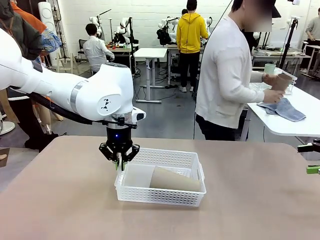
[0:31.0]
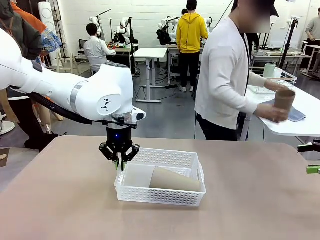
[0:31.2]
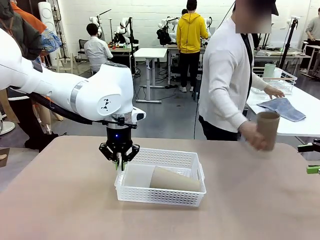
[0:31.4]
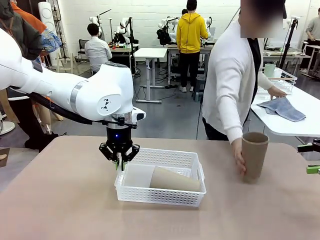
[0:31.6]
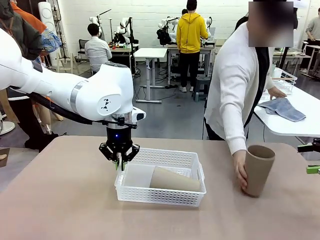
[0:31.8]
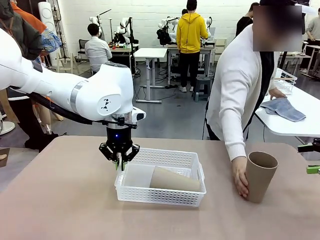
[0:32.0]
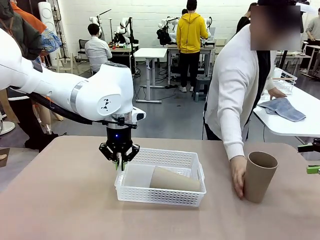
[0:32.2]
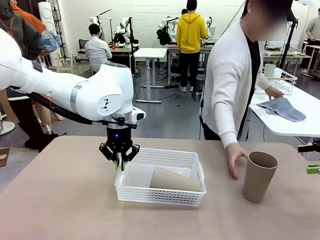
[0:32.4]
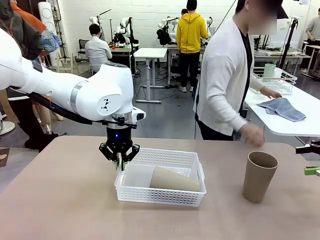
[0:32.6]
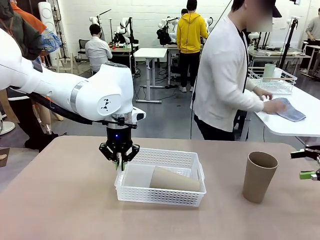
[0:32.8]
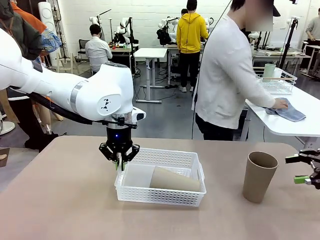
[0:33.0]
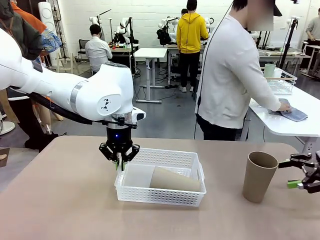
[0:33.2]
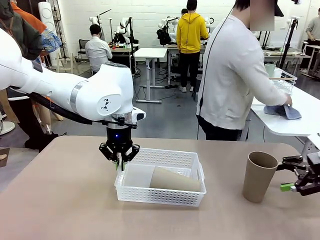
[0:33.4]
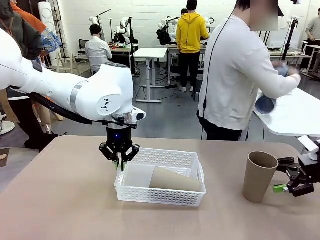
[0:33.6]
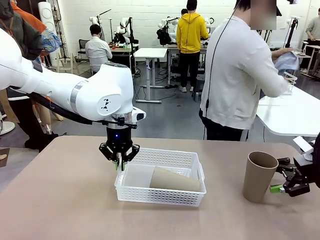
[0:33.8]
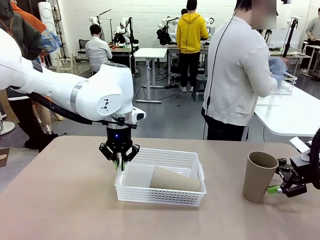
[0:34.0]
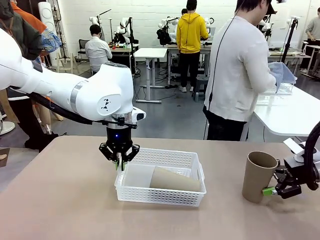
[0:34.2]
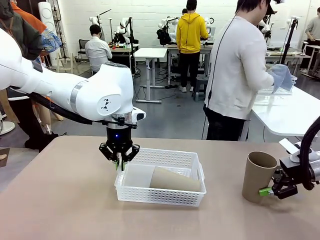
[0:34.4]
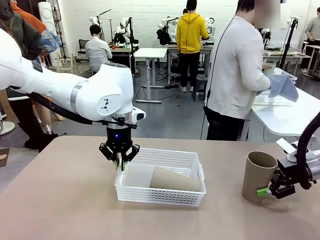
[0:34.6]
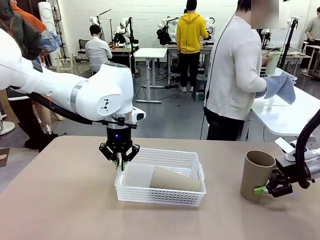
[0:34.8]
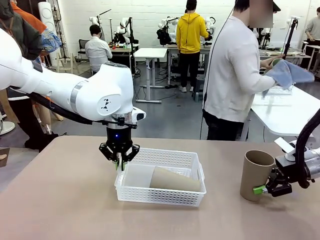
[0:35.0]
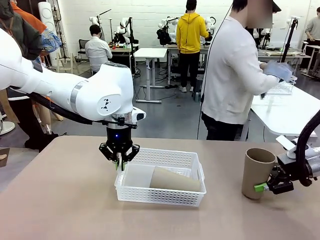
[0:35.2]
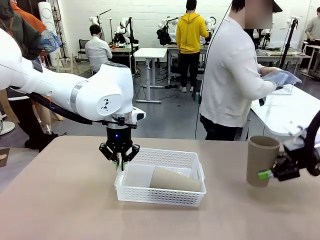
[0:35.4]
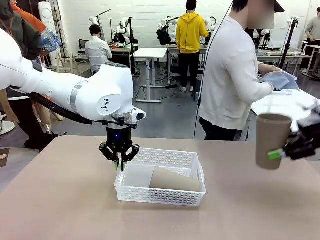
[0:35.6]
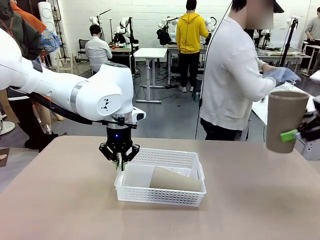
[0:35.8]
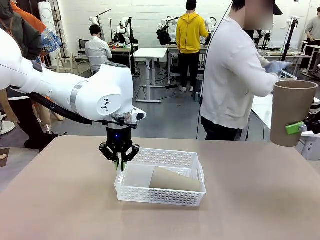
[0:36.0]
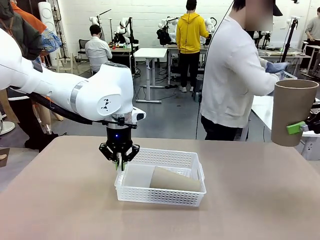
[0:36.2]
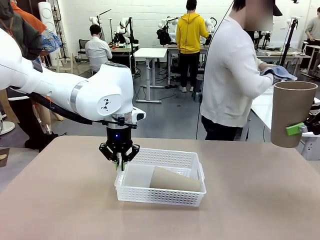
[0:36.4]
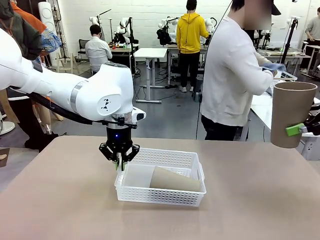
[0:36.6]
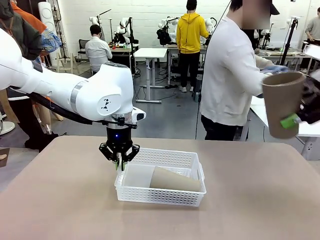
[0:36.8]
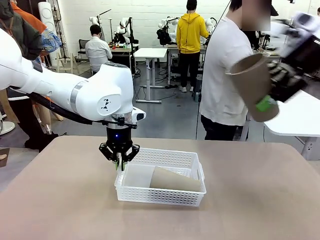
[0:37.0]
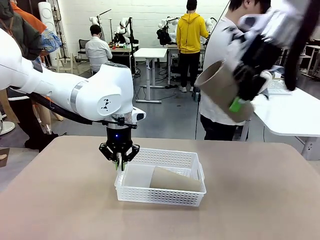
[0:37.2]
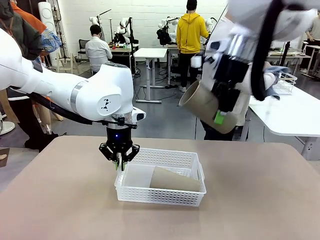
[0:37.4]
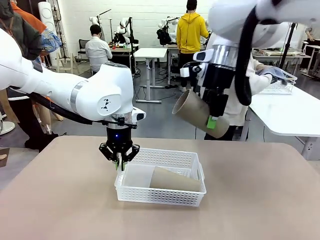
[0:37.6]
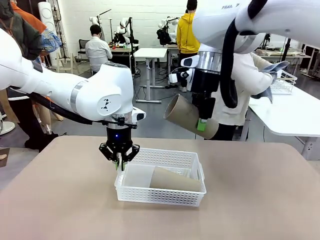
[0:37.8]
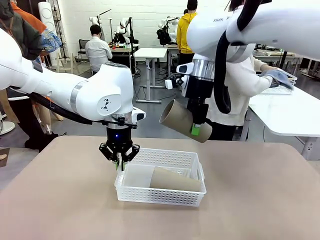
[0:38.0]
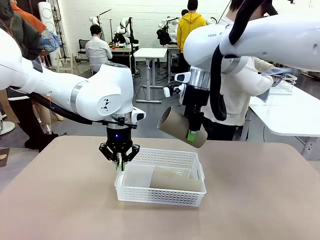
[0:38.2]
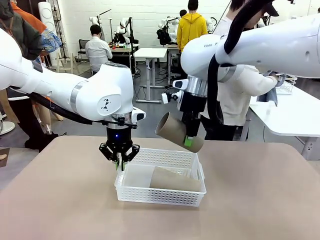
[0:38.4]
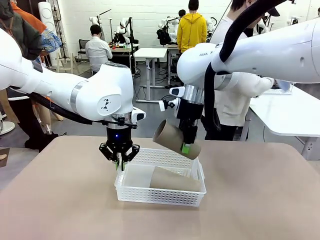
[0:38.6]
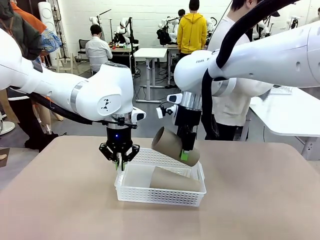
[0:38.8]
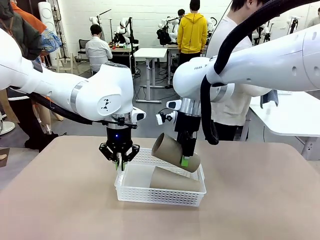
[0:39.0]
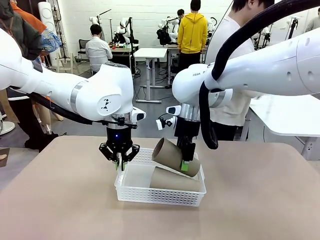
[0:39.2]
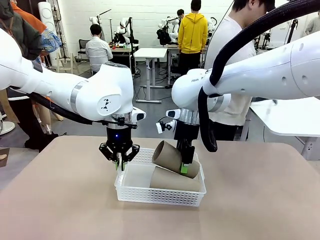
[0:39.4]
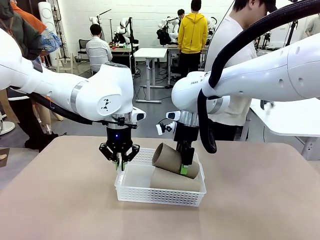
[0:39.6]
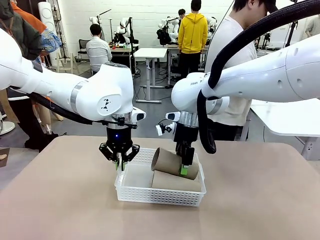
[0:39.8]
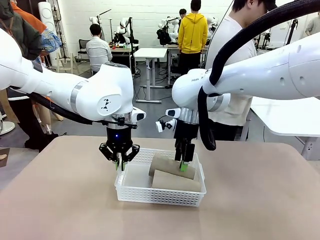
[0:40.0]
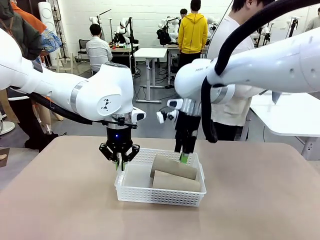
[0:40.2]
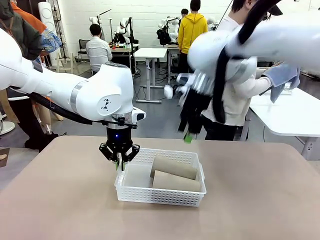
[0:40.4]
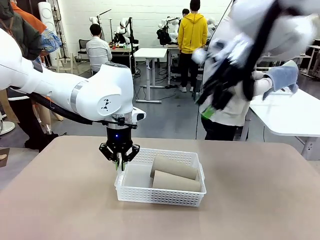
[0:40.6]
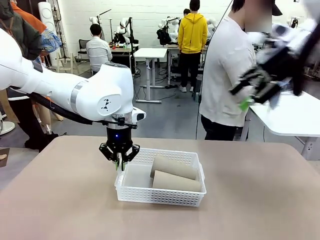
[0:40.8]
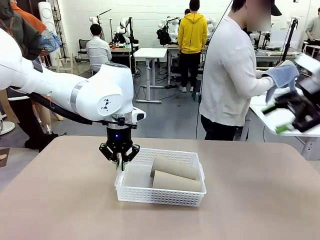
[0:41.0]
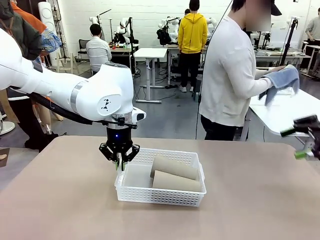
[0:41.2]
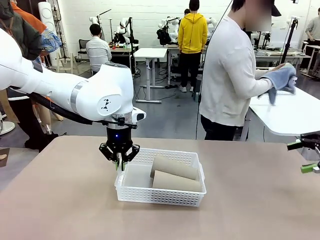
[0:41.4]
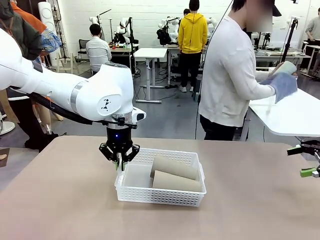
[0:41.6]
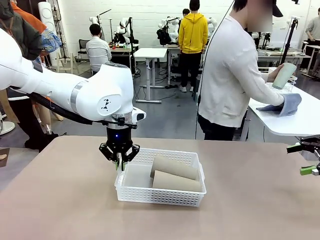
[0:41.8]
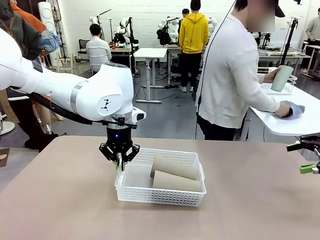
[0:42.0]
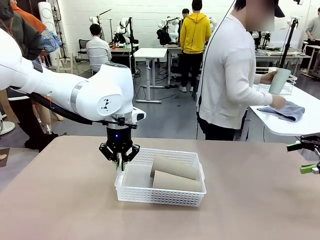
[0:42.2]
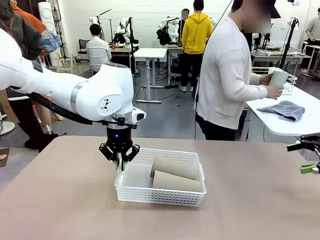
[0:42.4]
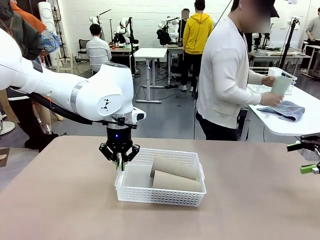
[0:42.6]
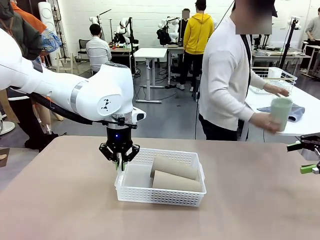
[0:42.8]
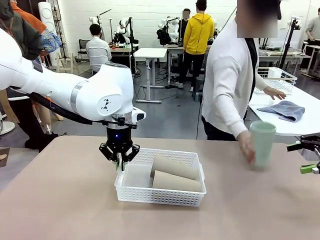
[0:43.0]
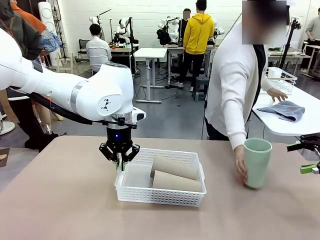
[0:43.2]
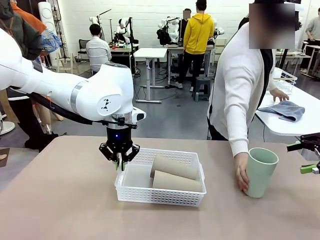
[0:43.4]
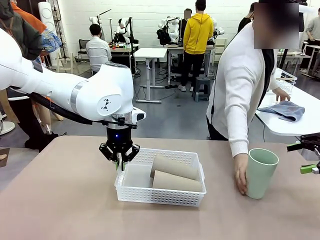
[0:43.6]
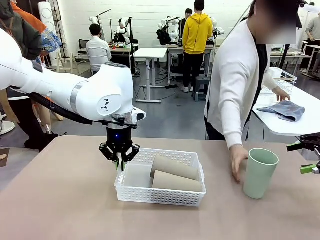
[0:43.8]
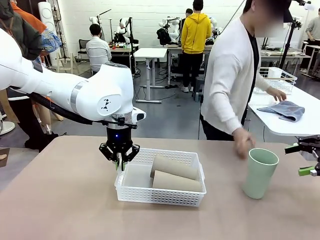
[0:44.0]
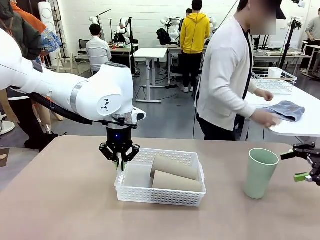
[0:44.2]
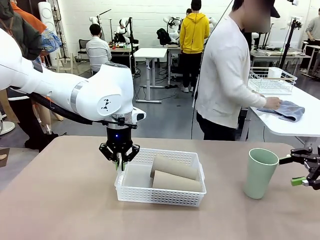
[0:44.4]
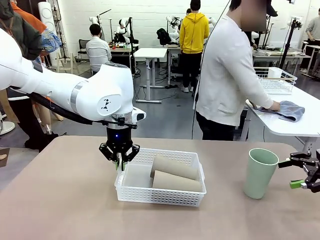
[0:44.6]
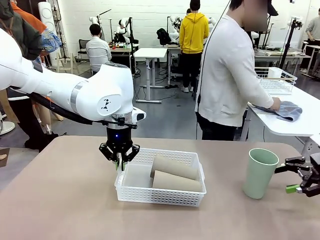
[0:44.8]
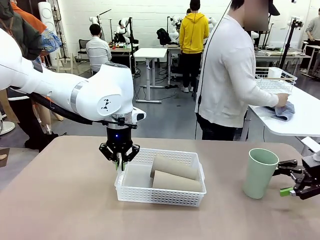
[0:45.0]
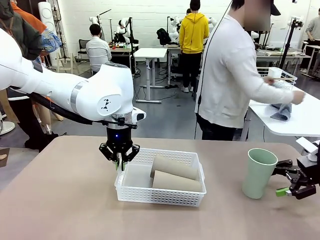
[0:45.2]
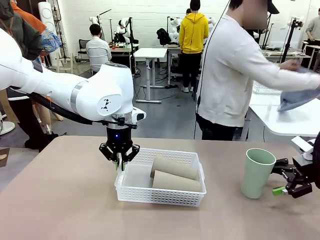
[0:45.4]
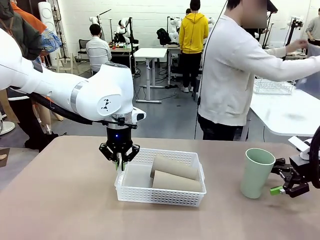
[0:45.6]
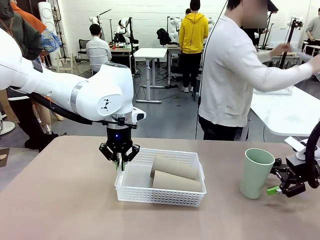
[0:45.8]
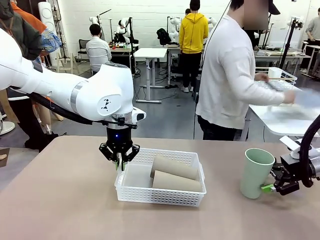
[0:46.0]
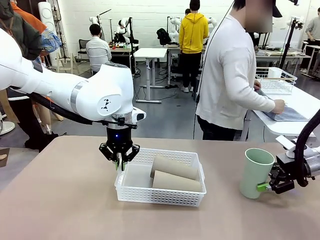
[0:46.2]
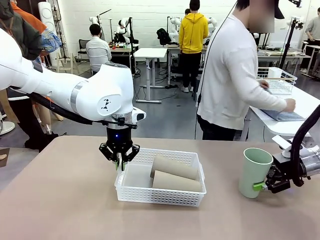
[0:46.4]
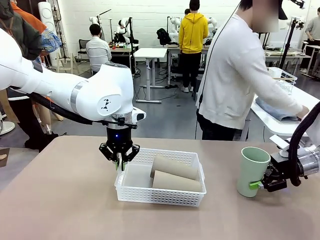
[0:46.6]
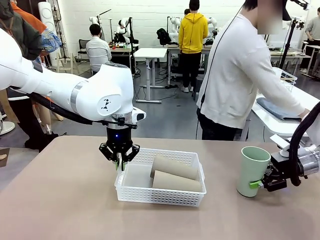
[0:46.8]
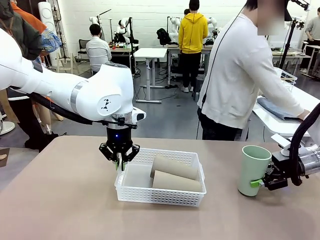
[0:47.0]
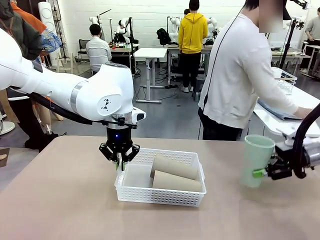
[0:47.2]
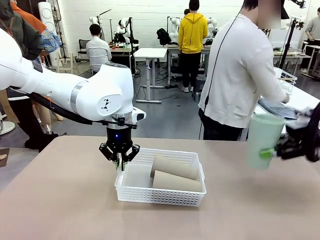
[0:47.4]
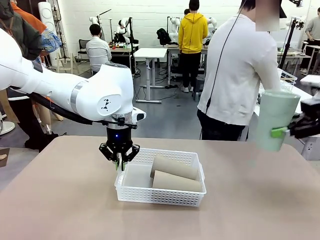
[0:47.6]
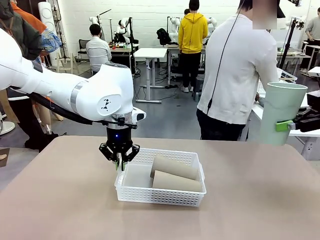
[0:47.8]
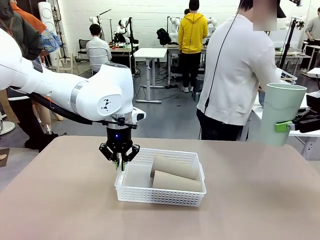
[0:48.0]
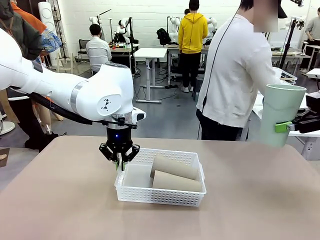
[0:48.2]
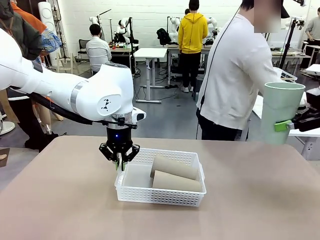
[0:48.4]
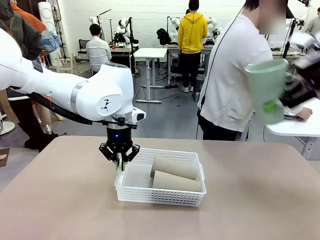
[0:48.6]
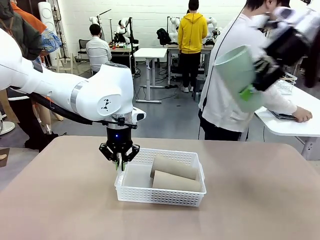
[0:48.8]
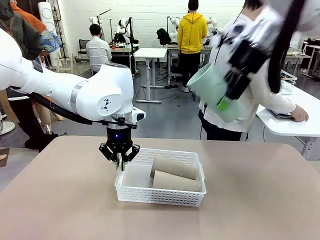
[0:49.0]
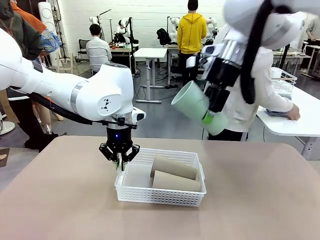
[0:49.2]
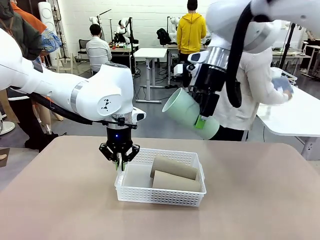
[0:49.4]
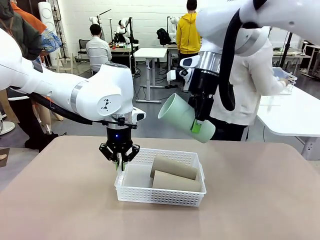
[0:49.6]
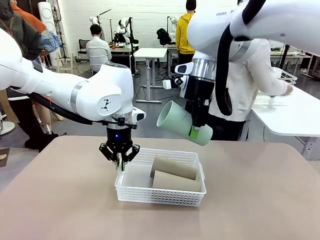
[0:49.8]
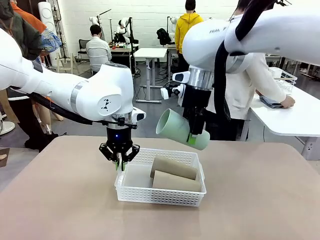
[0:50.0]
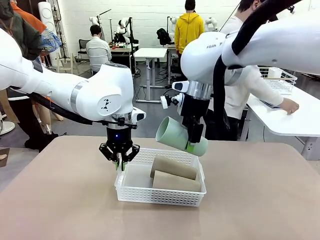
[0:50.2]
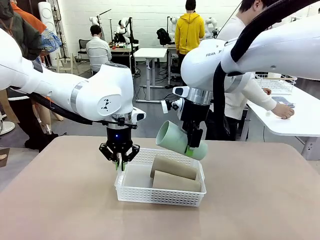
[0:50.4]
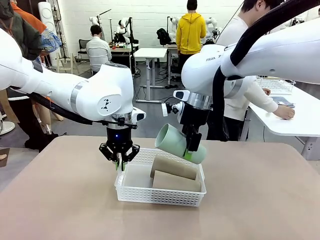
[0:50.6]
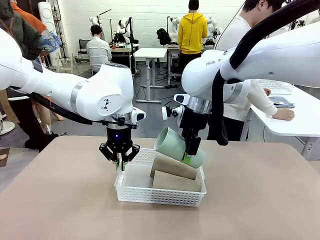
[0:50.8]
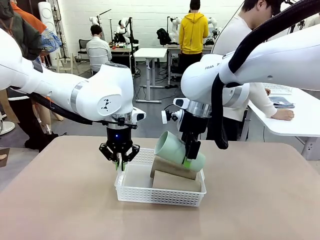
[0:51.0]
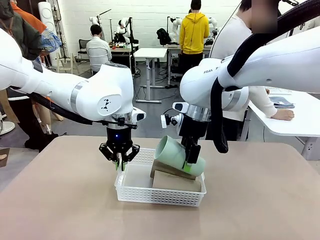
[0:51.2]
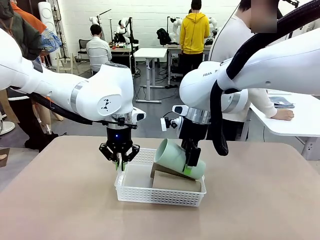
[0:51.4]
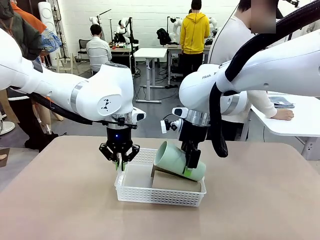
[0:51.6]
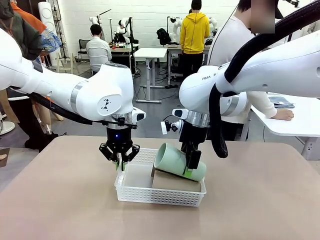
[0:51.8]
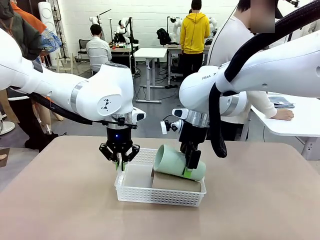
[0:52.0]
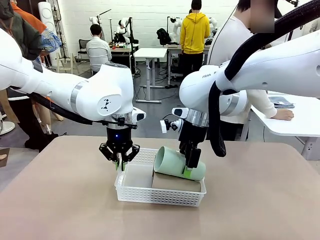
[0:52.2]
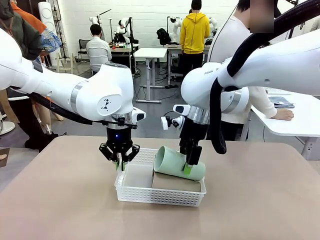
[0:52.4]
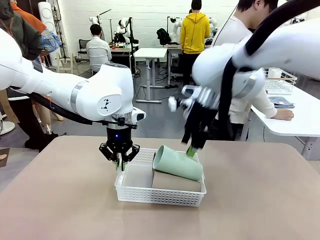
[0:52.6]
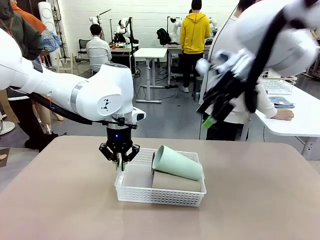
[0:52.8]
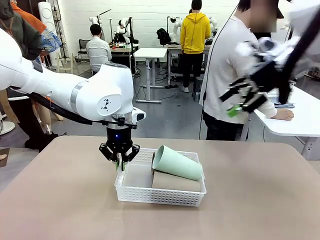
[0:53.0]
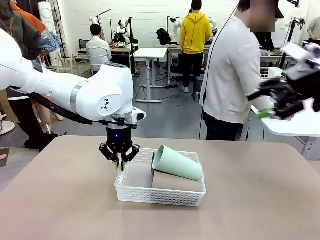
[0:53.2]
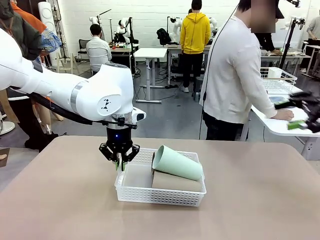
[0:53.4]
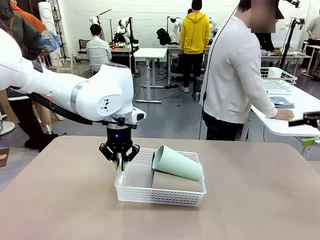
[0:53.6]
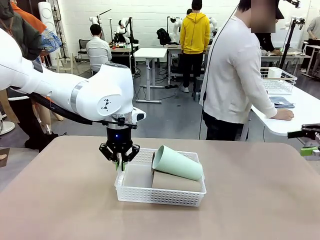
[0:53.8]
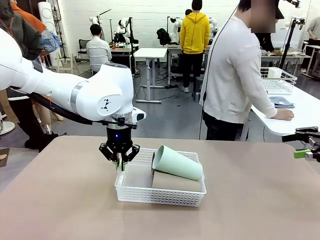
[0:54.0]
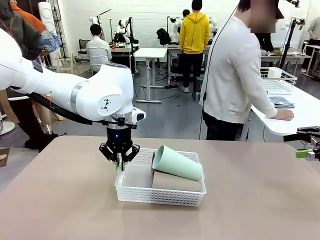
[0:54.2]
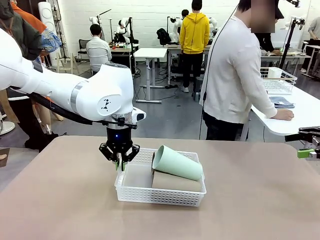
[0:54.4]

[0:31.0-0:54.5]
Task: Clean and organize the cups into the basket.
Robot: Pick up the Reusable plastic cup from the right side of the table and stack it inside the Organizing basket in the center of the table.
Person: Folds the towel in half twice and places it in the right of the table.
